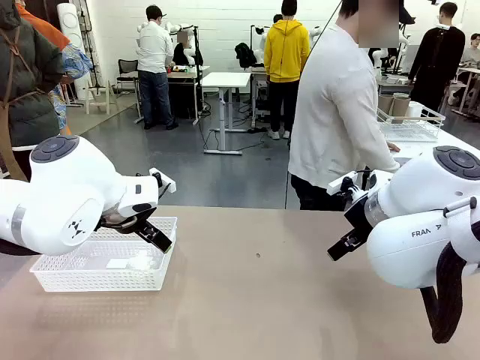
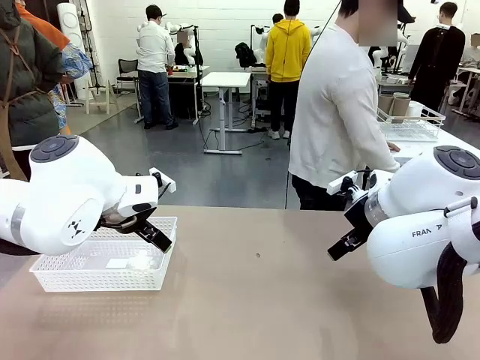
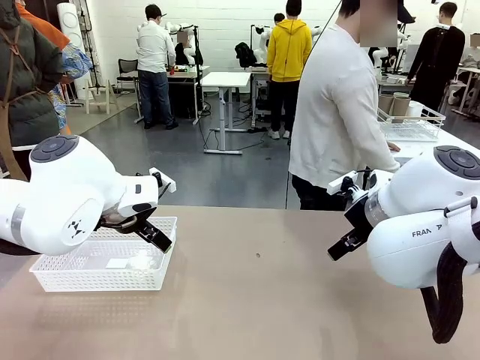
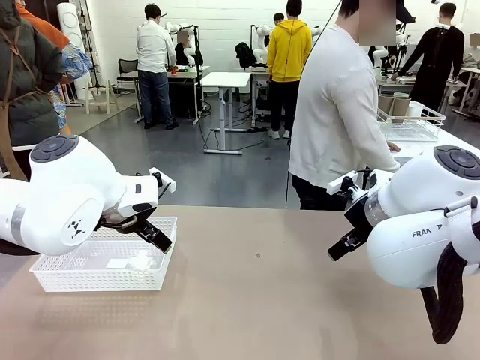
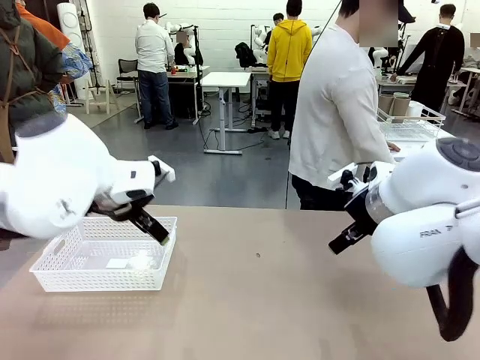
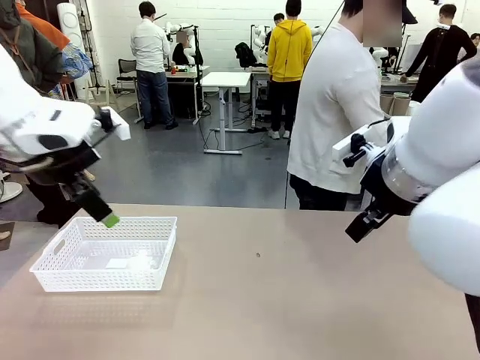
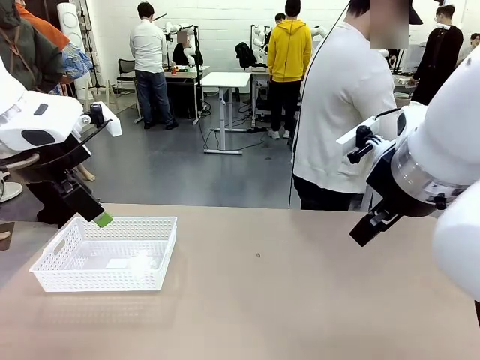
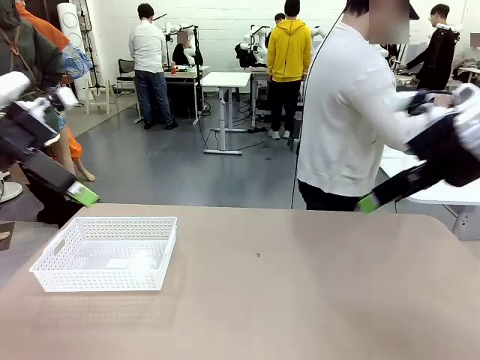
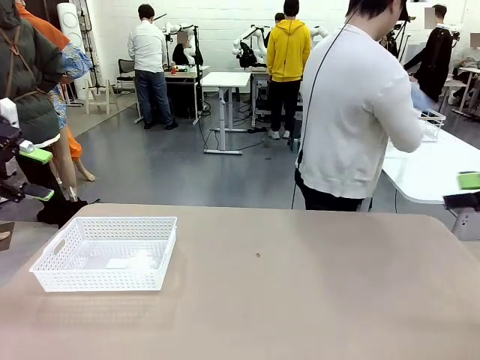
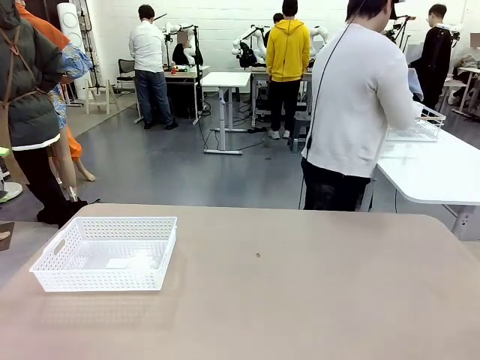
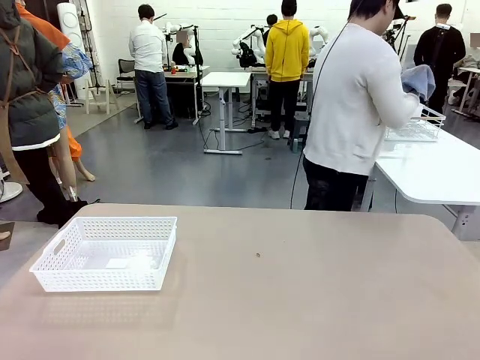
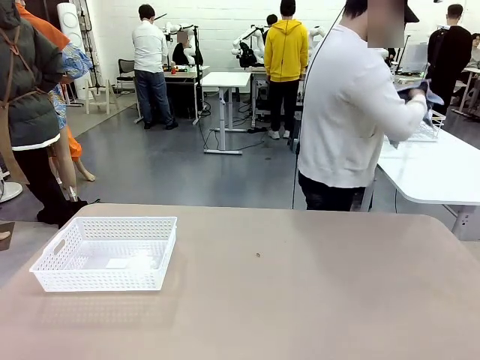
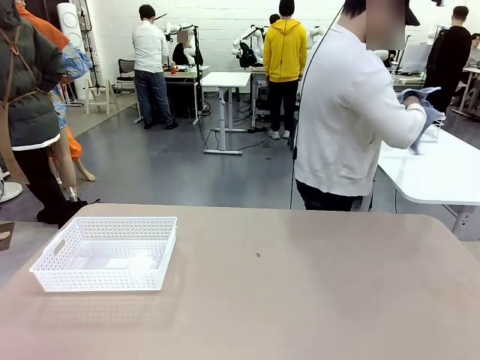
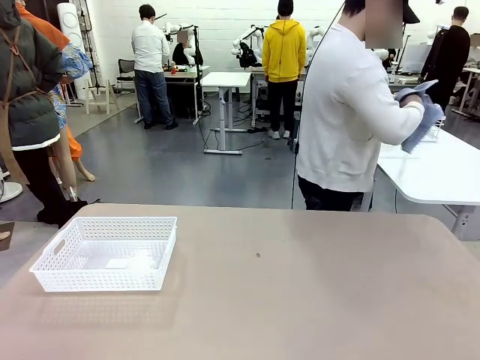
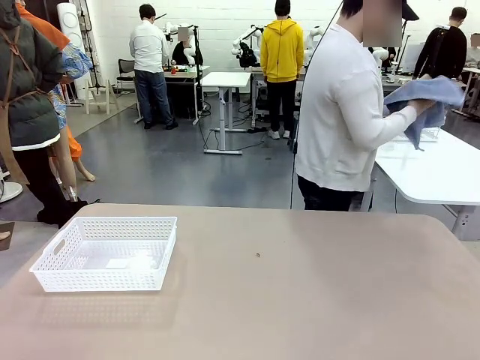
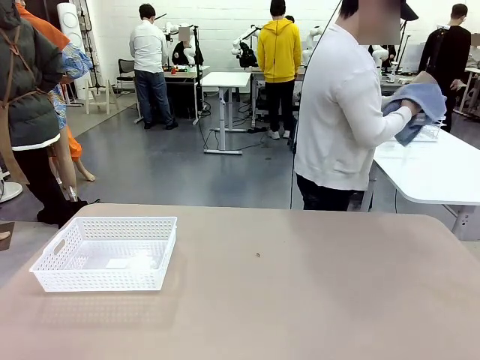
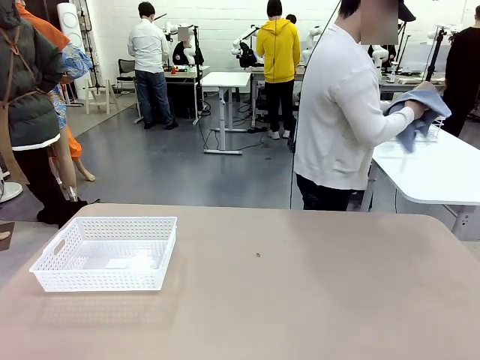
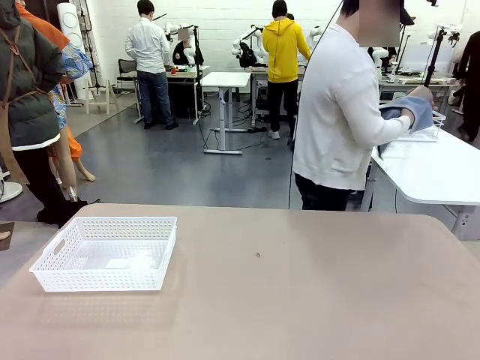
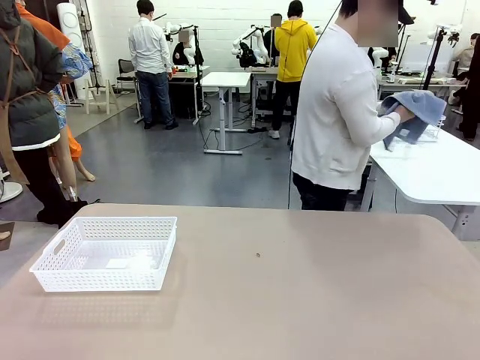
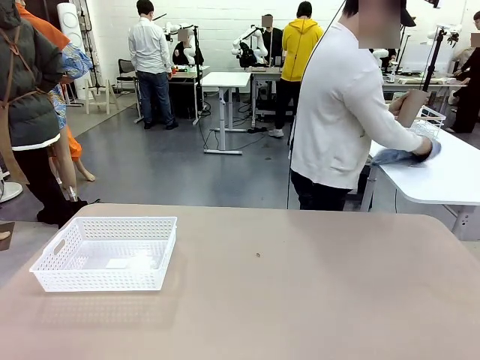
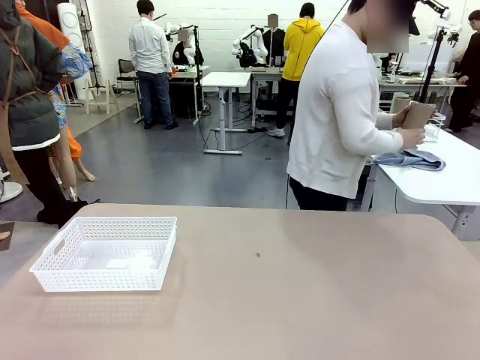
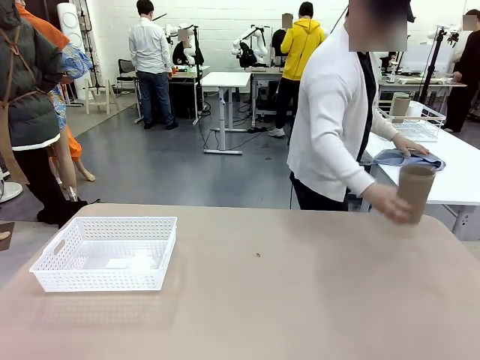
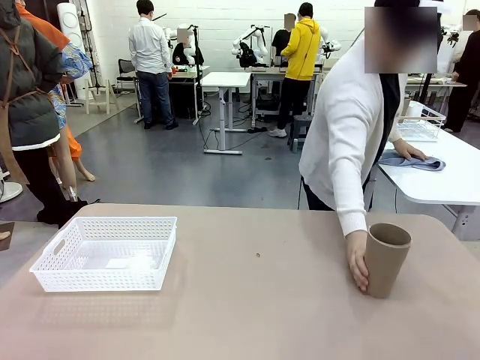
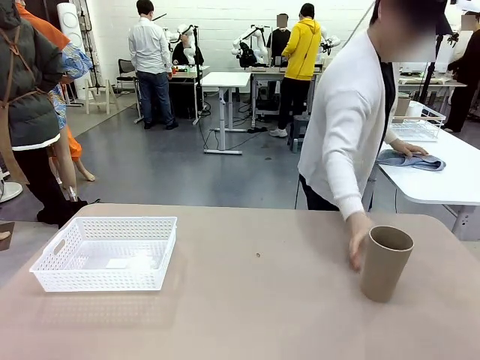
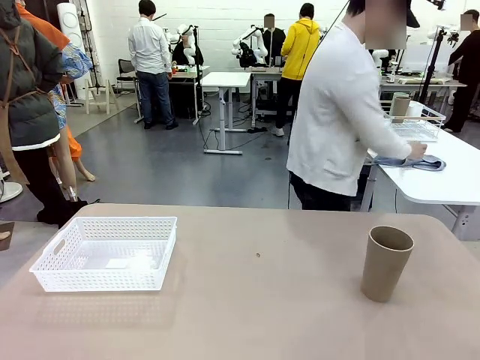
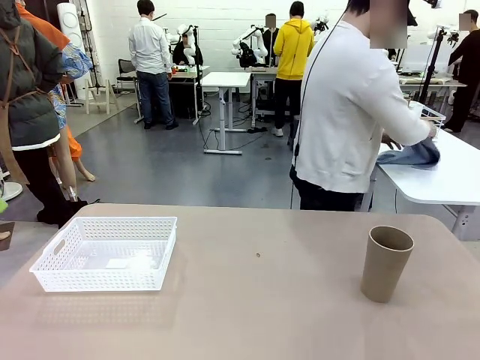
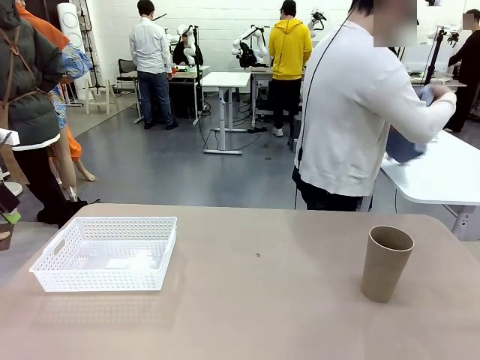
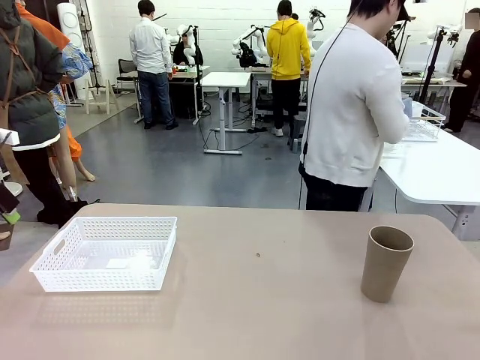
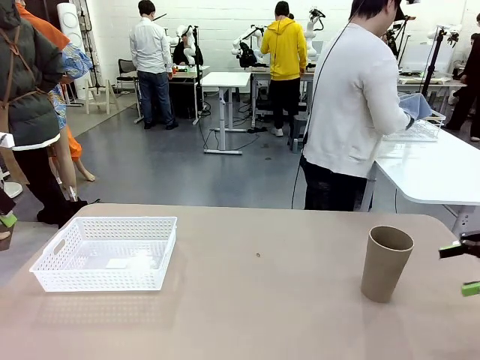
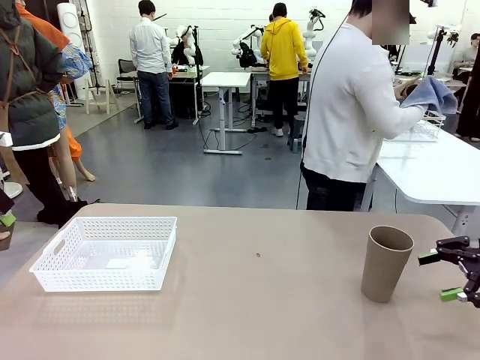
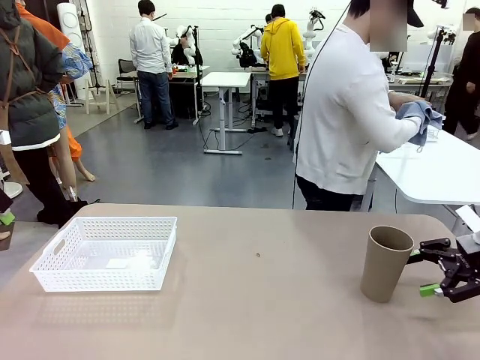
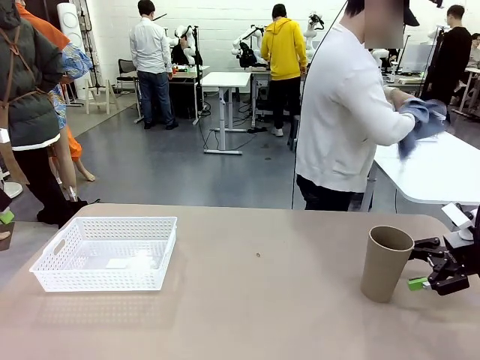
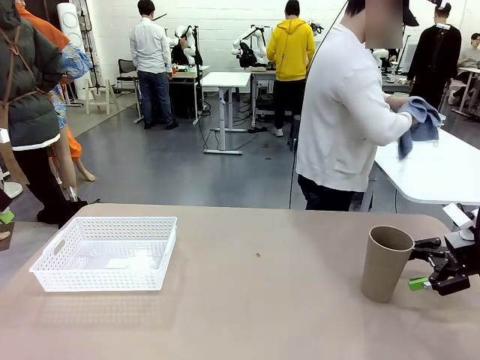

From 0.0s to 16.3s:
Task: Clean and organize the cups into the basket.
Robot: Pick up the Organizing basket and move it to the center of the table, then pick up the Reusable plastic cup from the right side of the table and place it inside the Organizing basket.
Person: Picks up a cup and a towel, cleans the cup with the towel, and places it on the left side of the robot table.

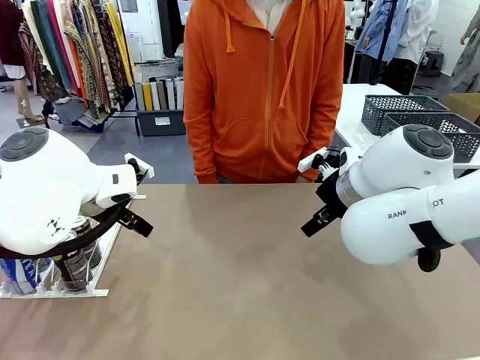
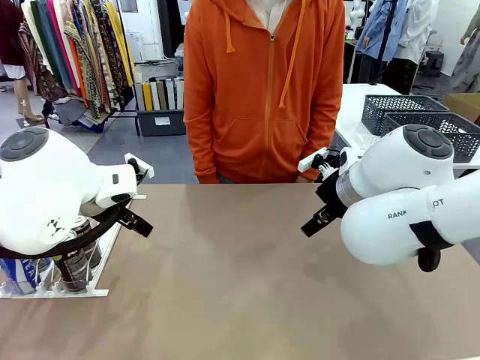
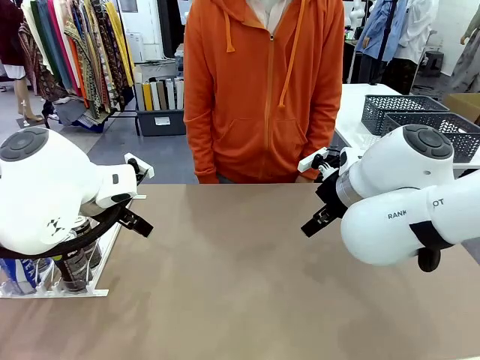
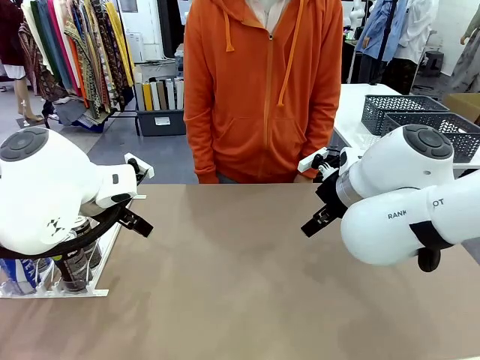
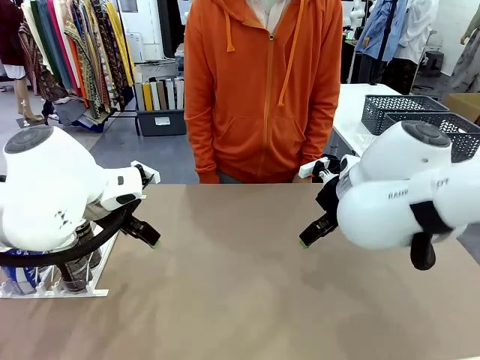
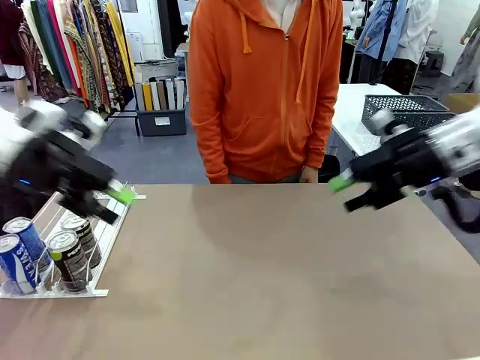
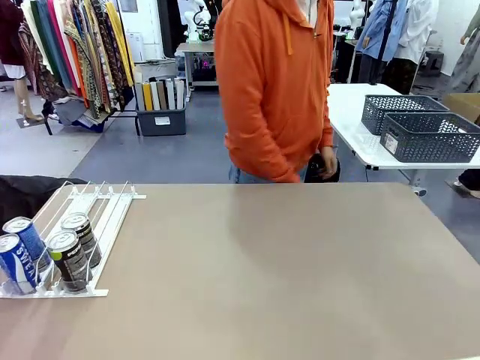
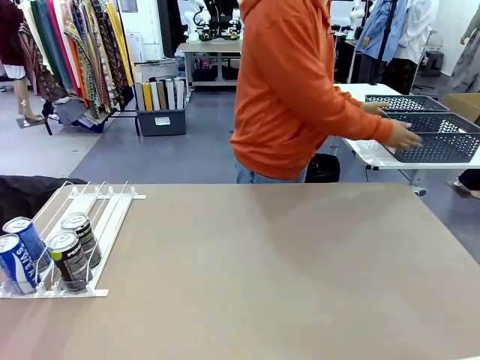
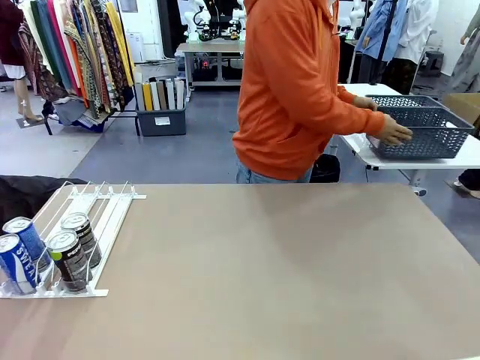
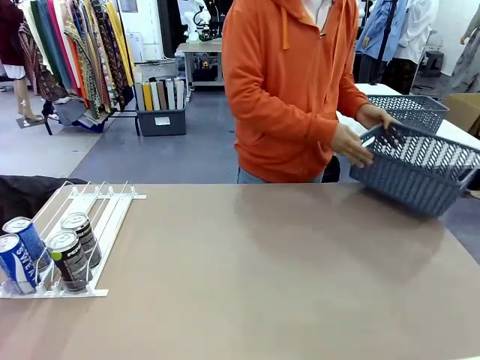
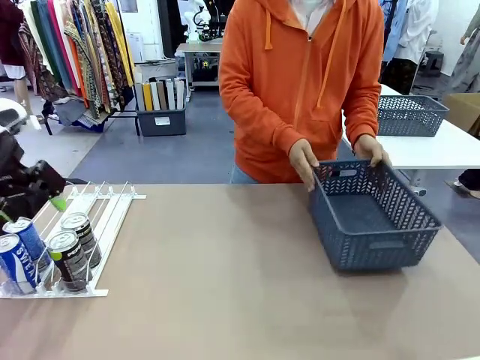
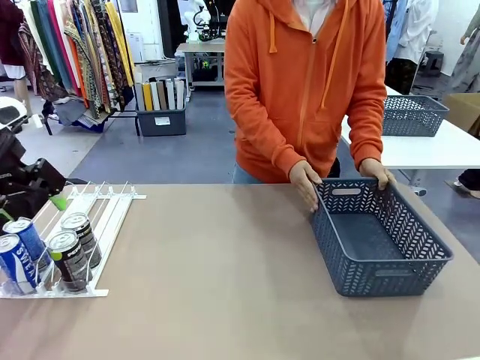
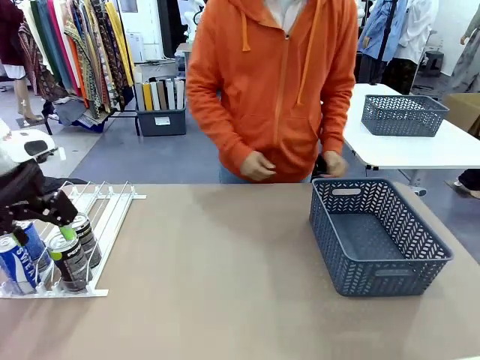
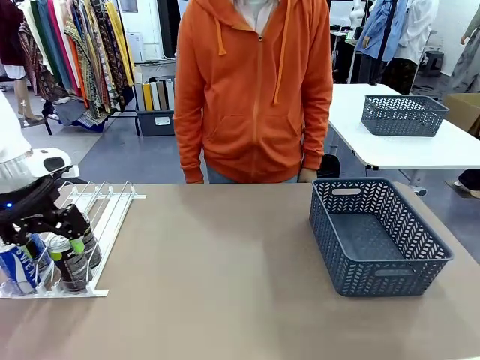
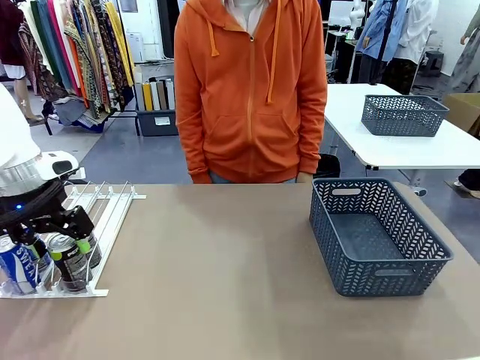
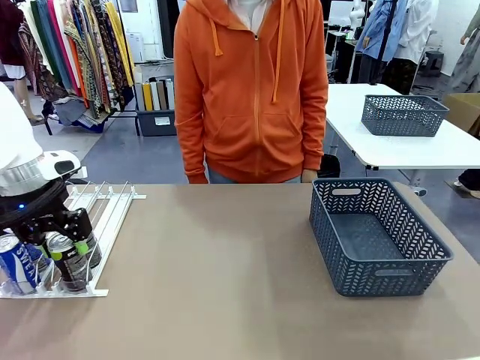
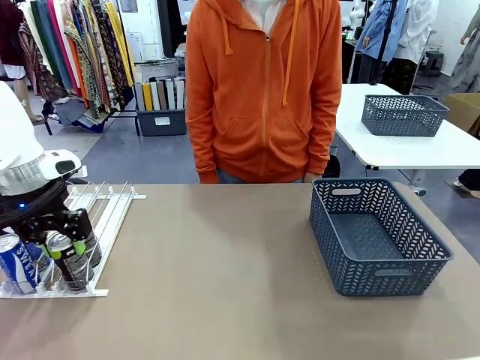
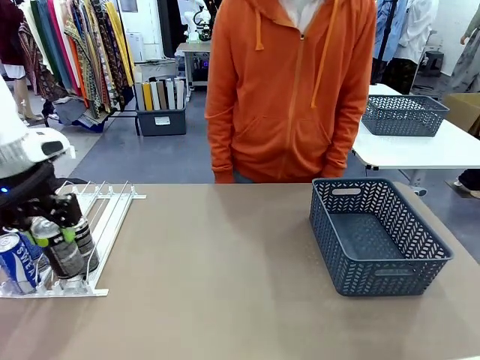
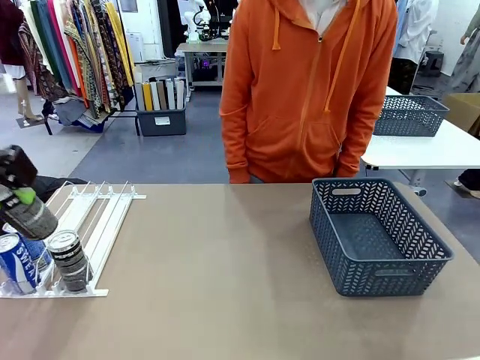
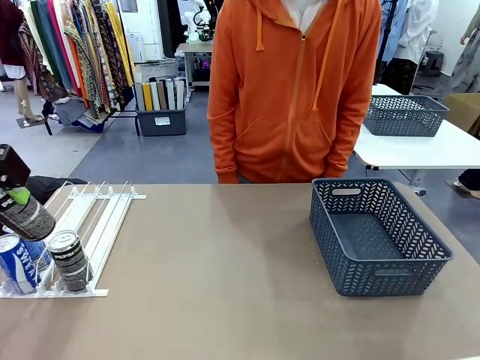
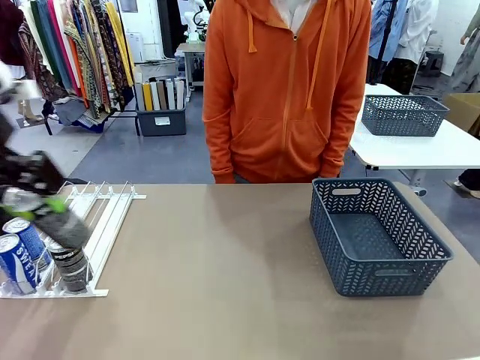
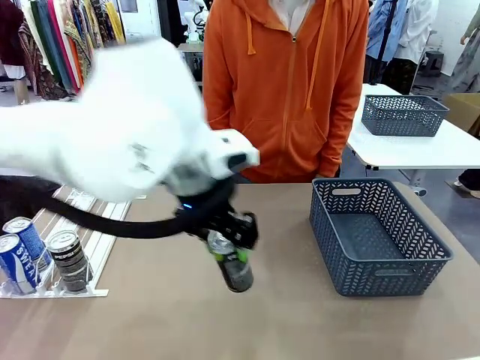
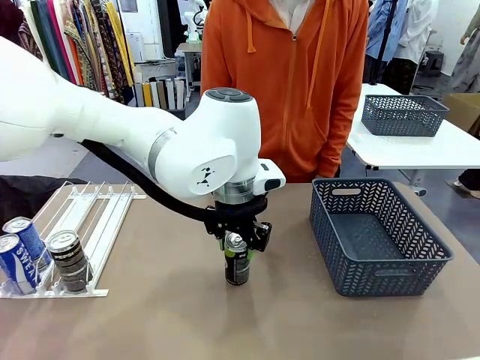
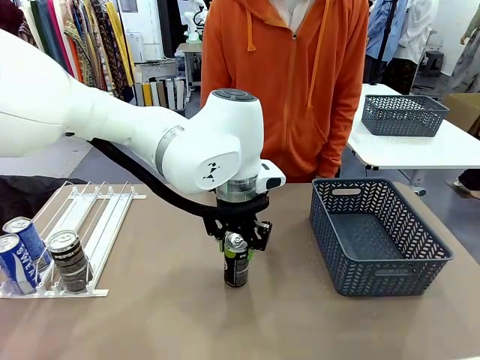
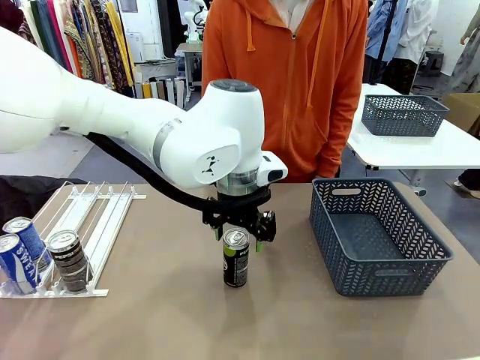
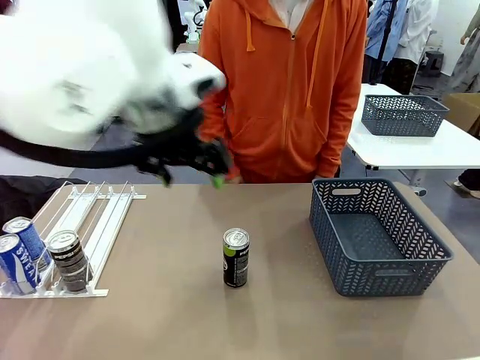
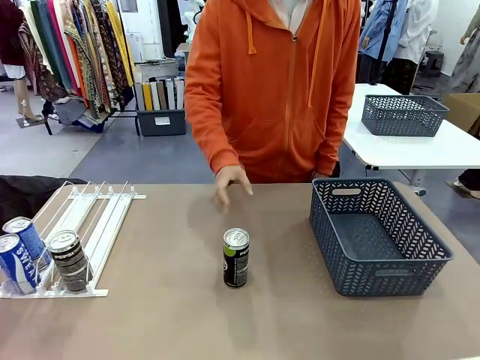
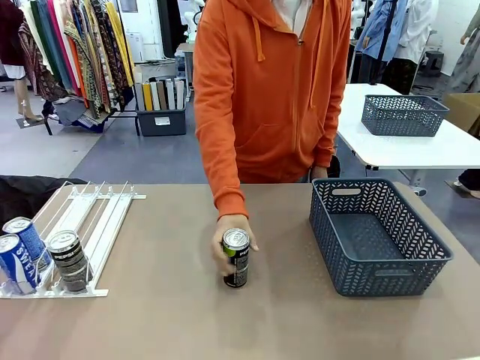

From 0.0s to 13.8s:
Task: Retrieve and store the cans from the dispenser.
Robot: Pick up one can from the Automatic Can Dispenser and place it in the middle of the table.
Person: Pick up the basket and place it on the left side of the robot table.
